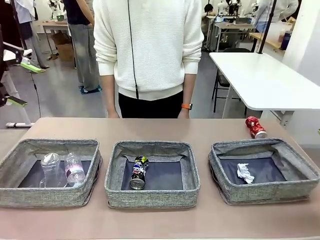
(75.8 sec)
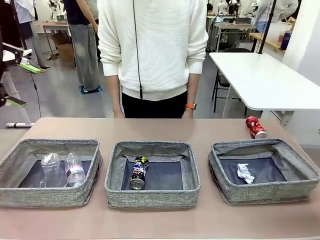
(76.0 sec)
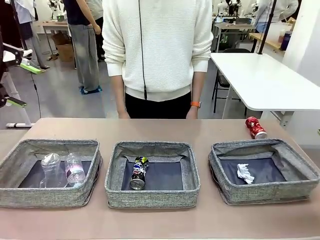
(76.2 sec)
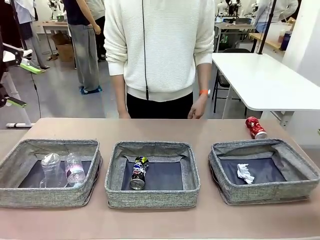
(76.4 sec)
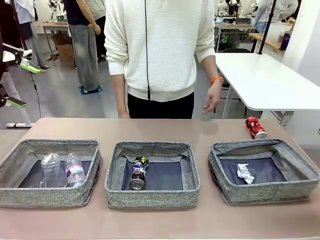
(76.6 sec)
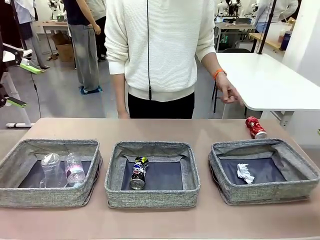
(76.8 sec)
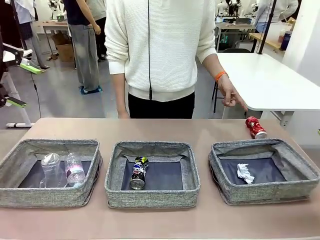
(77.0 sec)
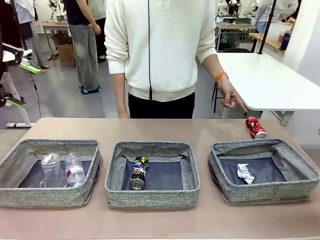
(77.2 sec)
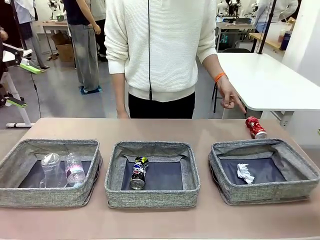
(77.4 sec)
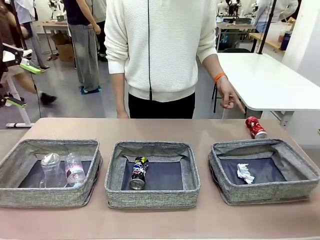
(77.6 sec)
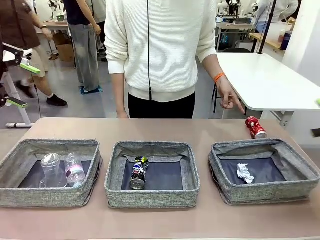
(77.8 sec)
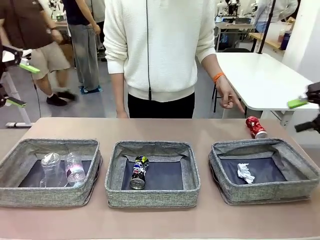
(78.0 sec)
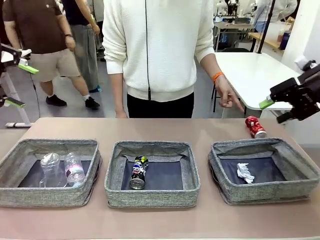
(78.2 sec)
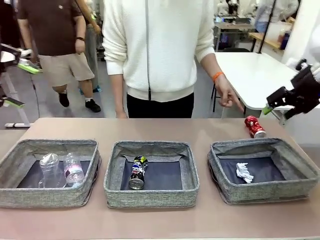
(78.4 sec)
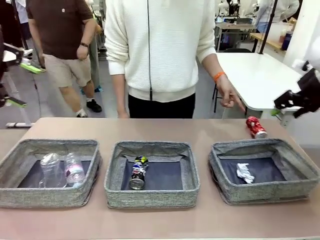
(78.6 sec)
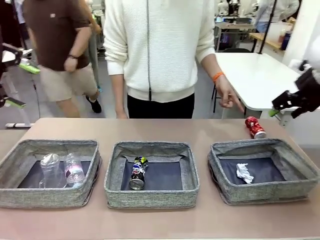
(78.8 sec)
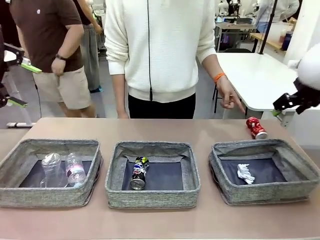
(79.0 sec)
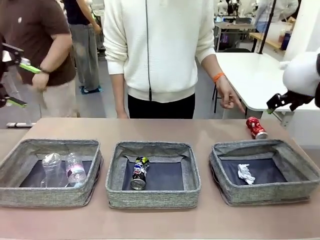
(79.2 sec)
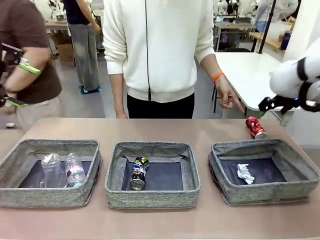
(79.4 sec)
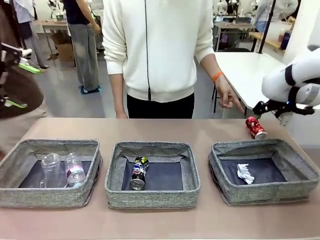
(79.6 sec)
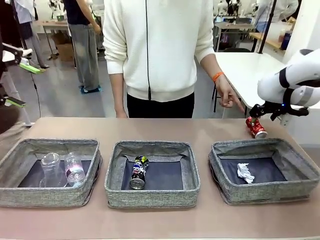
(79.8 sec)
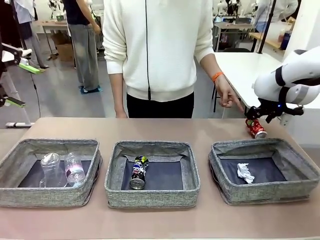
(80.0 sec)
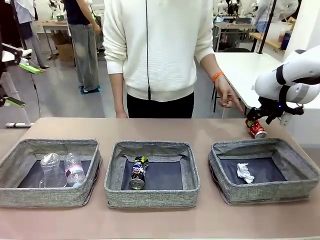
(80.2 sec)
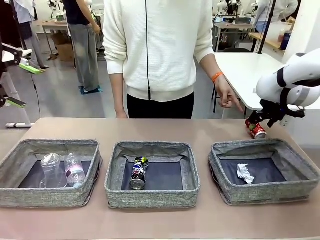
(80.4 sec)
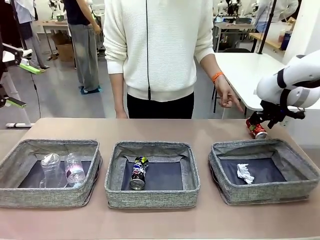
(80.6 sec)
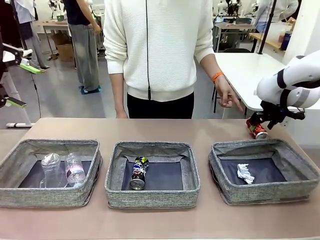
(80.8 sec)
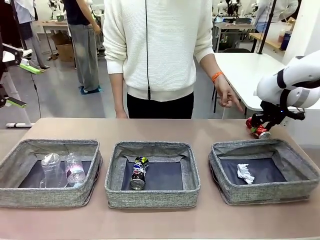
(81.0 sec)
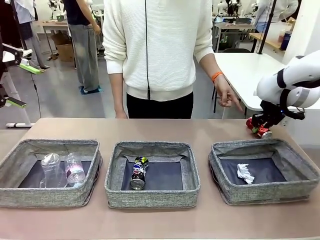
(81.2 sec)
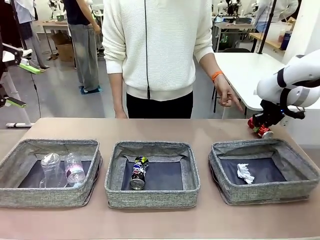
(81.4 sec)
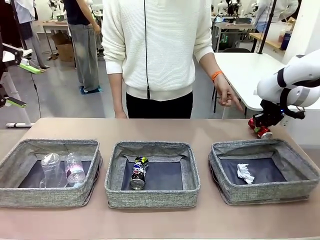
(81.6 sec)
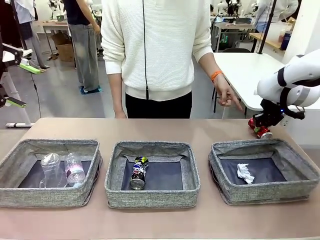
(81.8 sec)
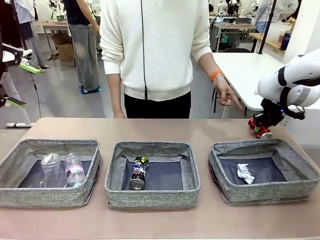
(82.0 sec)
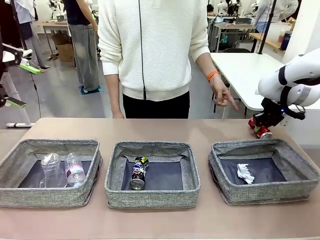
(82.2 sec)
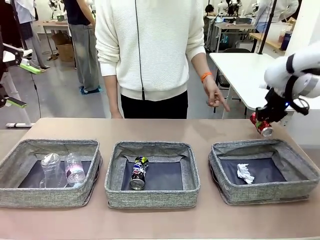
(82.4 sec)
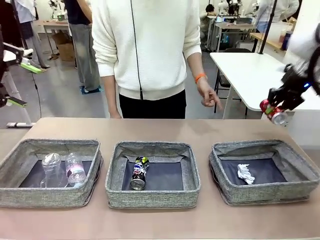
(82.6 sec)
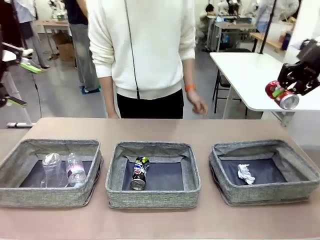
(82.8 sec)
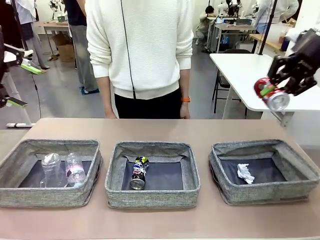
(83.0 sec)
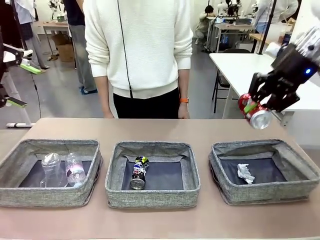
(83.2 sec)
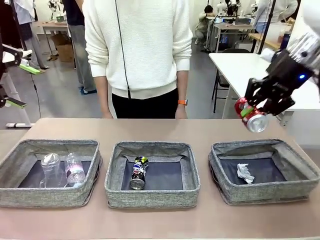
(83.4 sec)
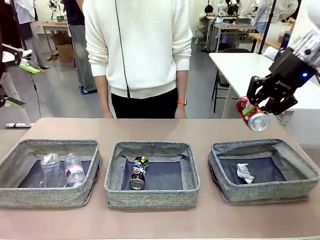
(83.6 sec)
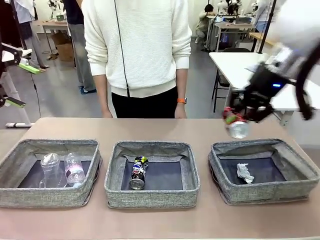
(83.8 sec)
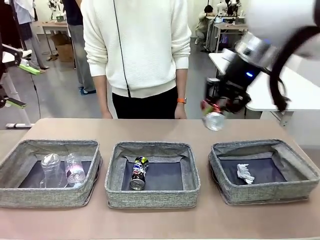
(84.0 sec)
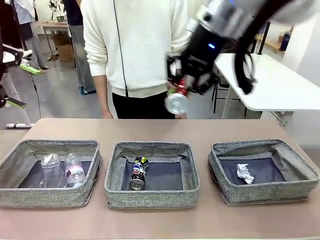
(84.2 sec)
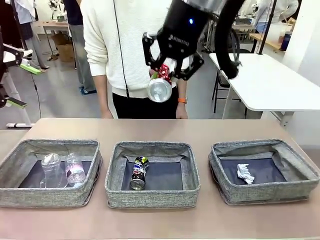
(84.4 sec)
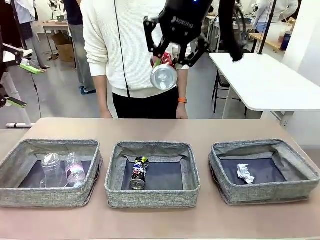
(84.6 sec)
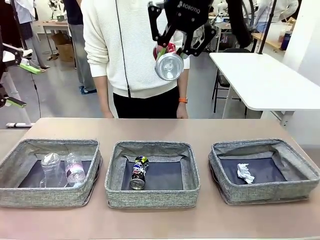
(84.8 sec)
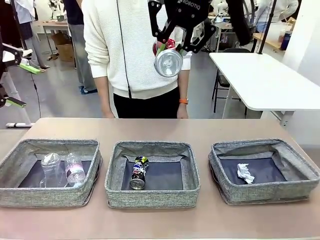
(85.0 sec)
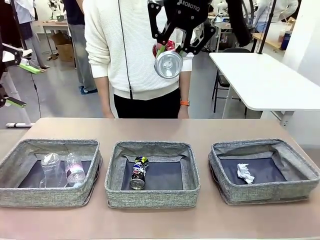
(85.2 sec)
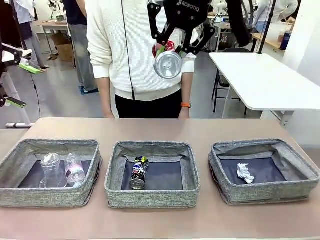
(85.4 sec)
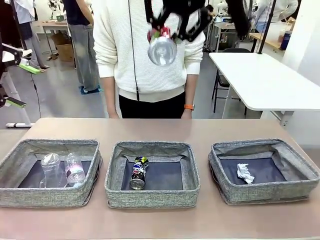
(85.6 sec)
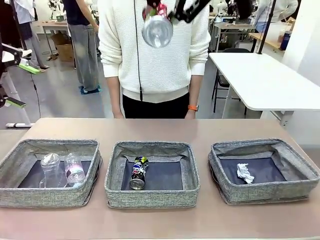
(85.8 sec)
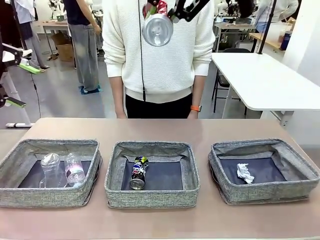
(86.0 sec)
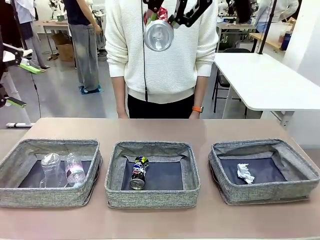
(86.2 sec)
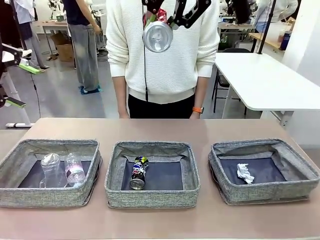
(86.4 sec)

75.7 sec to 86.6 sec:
Task: Sort the waste into the appropriate baskets.
Robot: Pick up the waste item pointed out by the person.
Person: Points to one piece of trash on the table.

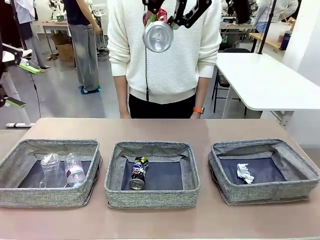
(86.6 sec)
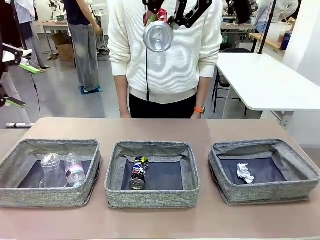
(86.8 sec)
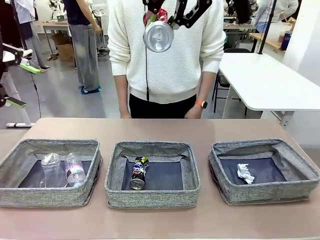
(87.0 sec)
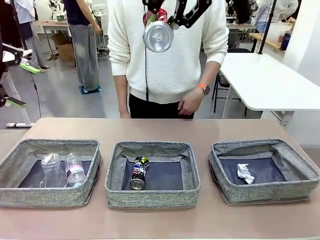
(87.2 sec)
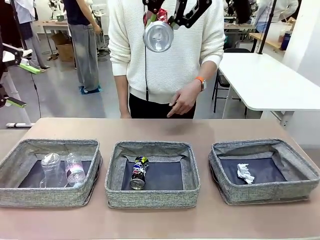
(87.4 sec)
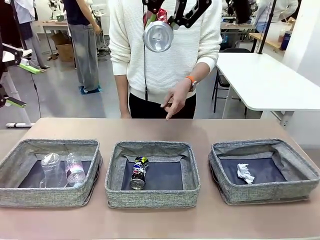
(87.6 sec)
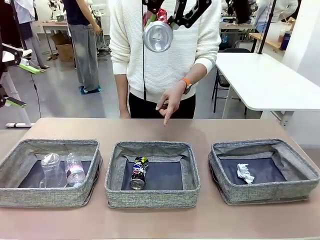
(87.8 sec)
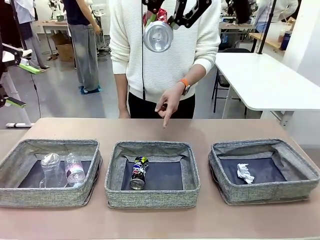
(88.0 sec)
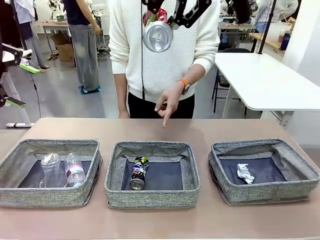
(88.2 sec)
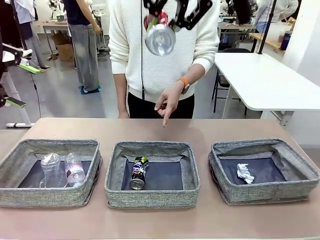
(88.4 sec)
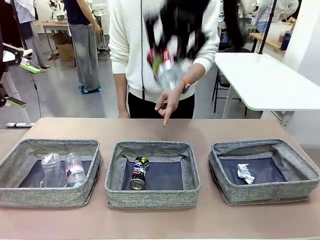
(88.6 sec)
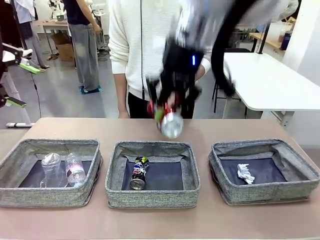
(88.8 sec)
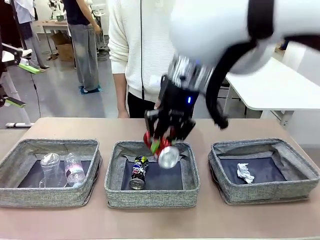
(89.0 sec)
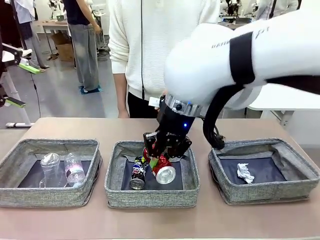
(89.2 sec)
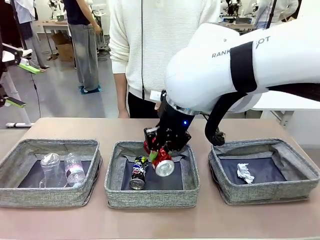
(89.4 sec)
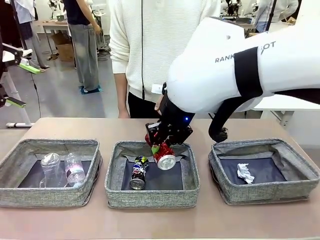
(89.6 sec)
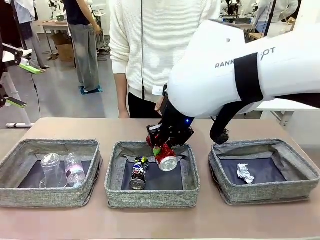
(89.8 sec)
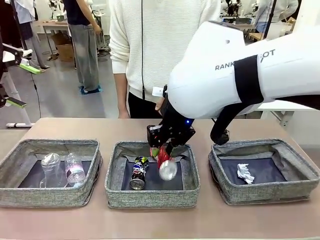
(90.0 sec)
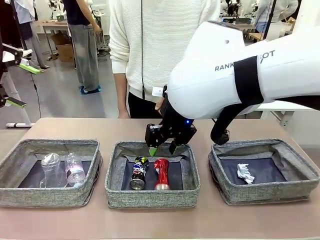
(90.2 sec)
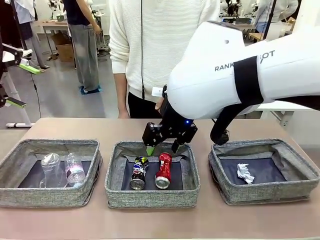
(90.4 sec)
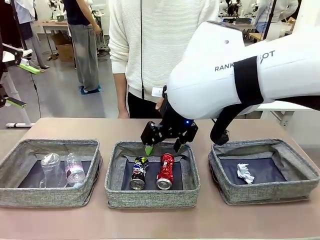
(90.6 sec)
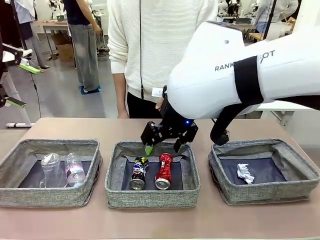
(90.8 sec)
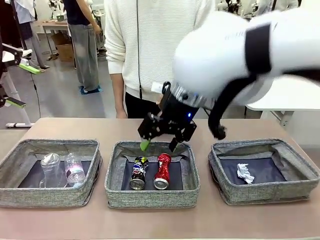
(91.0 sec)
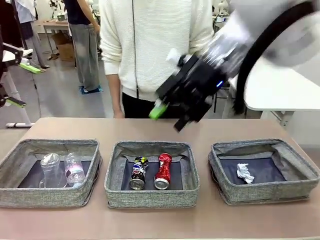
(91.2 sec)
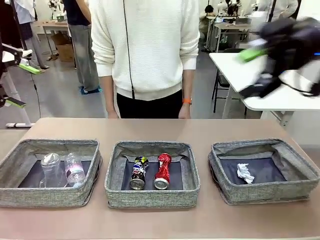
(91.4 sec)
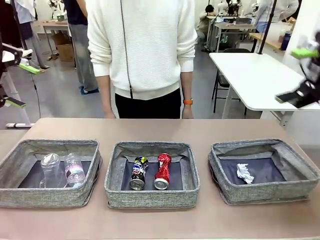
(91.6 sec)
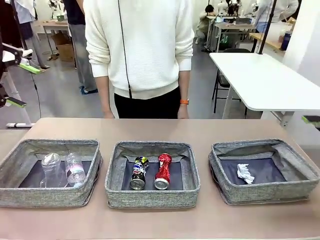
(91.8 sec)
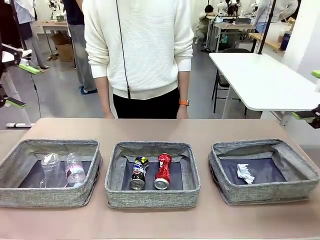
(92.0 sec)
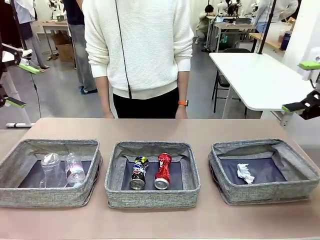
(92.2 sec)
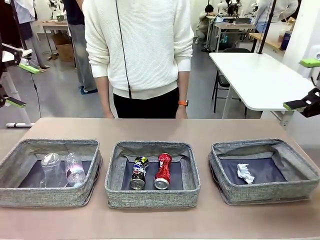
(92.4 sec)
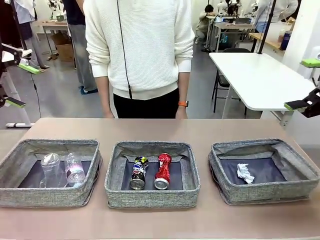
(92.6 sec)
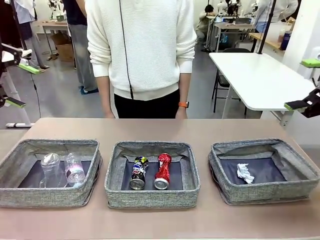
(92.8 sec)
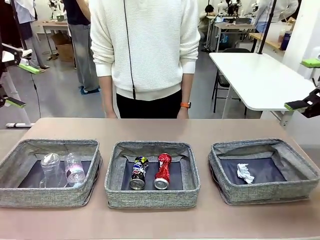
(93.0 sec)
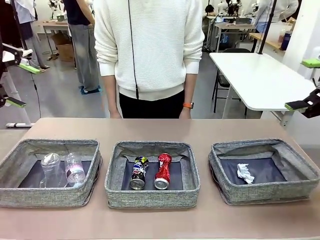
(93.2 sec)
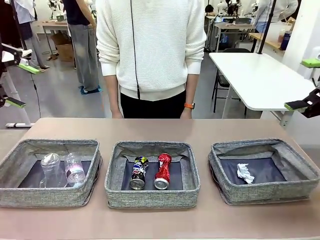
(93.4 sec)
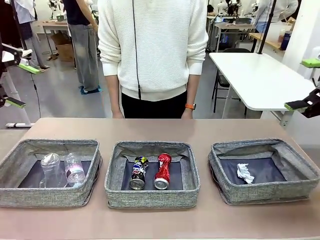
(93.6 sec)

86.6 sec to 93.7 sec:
Robot: Place the picked waste into the Fabric basket indicated by the person.
Person: Instructs the robot to place the picked-up trash into the appropriate organizing basket.
